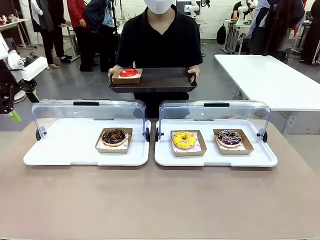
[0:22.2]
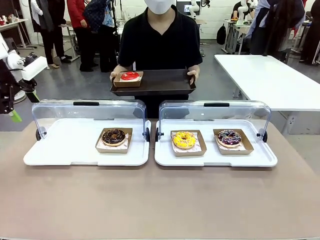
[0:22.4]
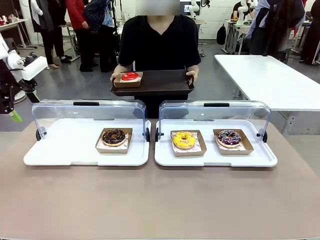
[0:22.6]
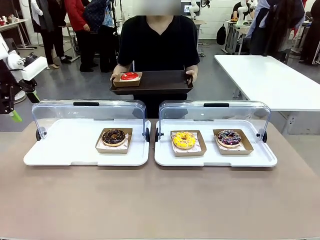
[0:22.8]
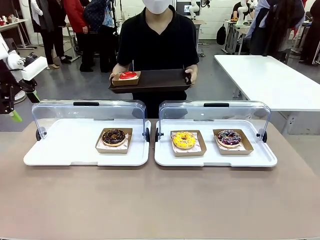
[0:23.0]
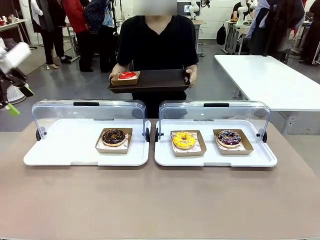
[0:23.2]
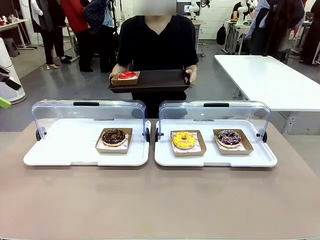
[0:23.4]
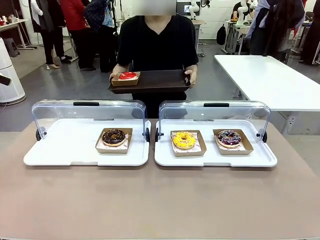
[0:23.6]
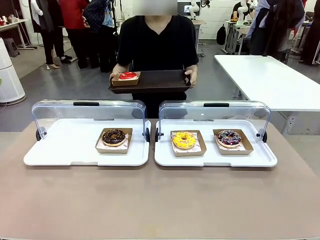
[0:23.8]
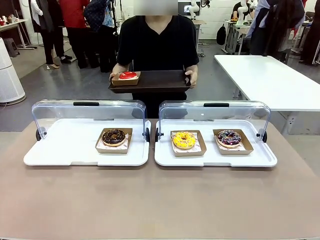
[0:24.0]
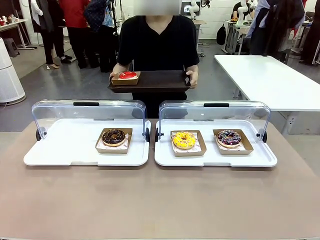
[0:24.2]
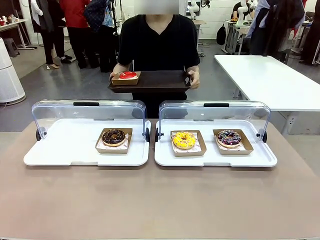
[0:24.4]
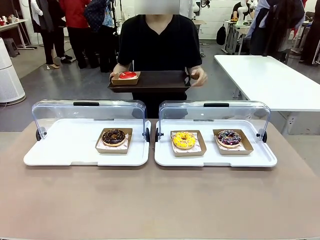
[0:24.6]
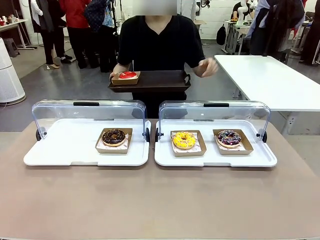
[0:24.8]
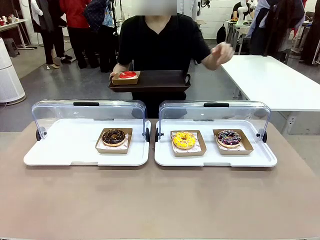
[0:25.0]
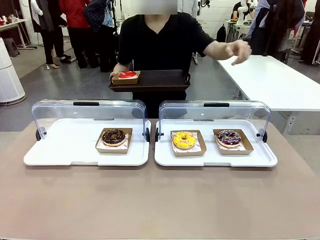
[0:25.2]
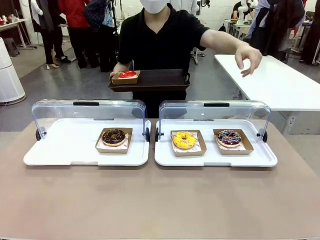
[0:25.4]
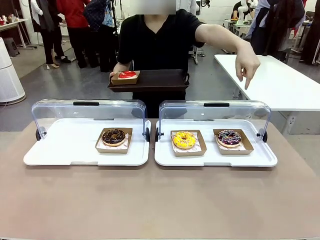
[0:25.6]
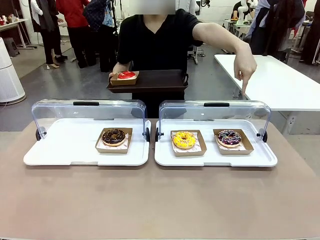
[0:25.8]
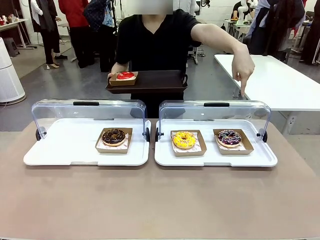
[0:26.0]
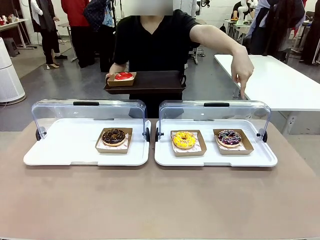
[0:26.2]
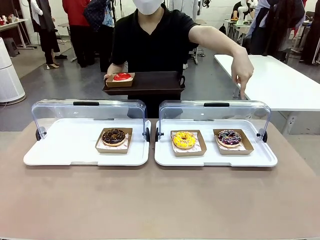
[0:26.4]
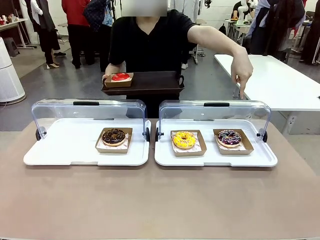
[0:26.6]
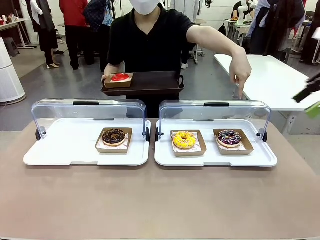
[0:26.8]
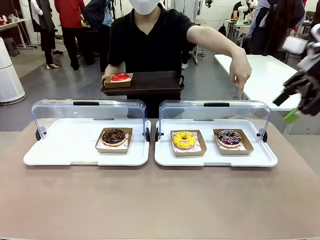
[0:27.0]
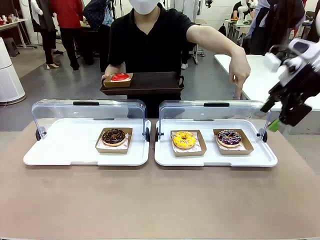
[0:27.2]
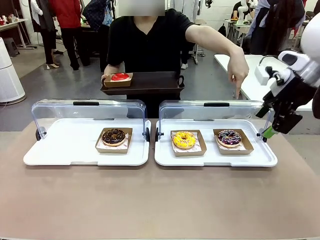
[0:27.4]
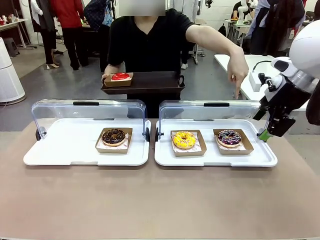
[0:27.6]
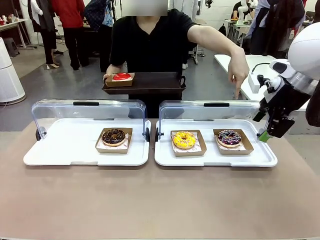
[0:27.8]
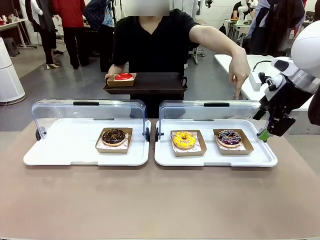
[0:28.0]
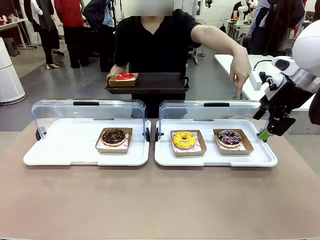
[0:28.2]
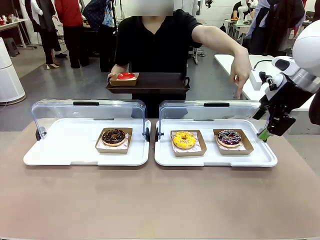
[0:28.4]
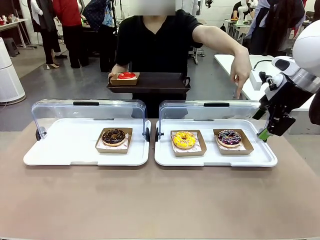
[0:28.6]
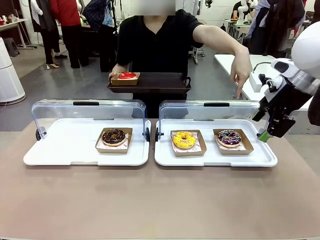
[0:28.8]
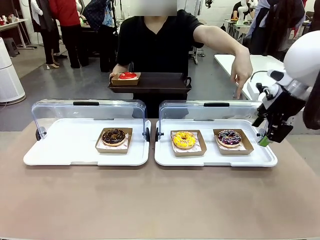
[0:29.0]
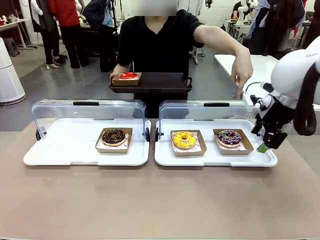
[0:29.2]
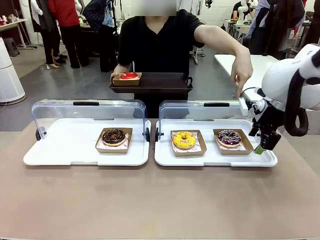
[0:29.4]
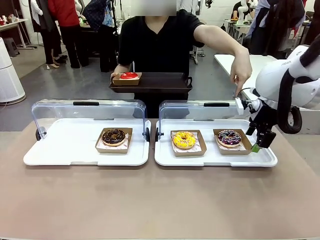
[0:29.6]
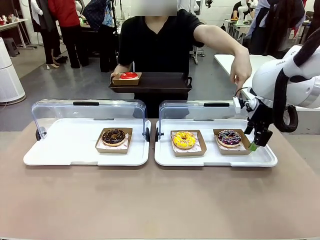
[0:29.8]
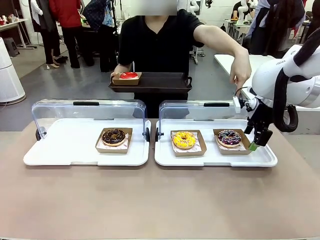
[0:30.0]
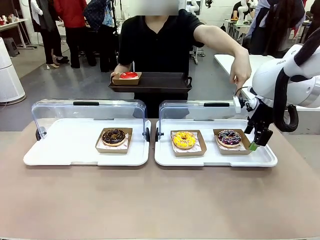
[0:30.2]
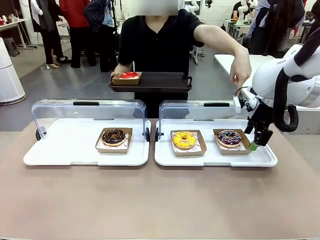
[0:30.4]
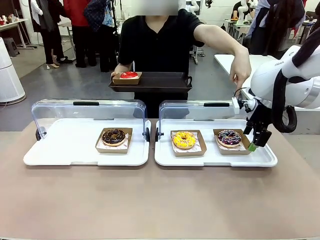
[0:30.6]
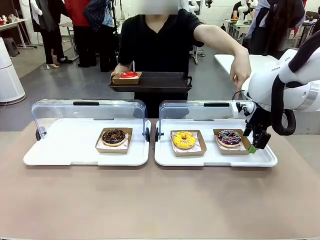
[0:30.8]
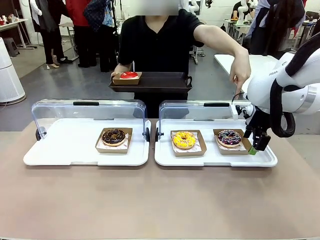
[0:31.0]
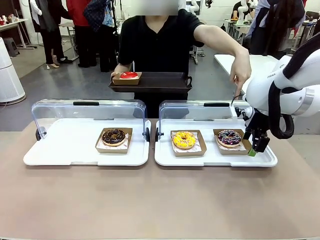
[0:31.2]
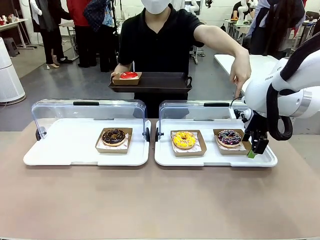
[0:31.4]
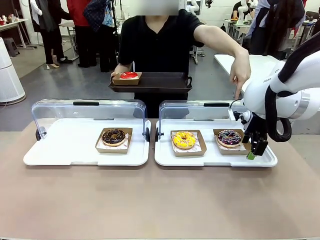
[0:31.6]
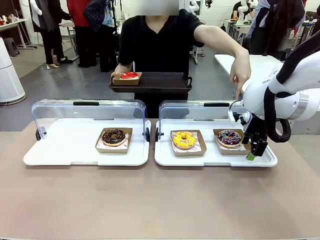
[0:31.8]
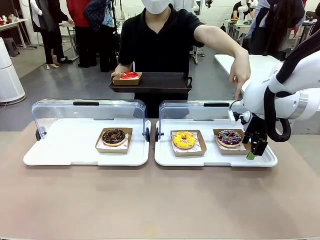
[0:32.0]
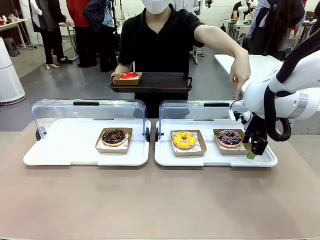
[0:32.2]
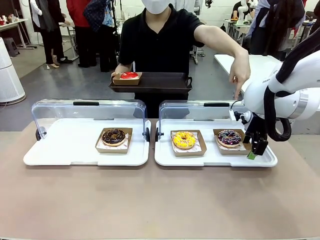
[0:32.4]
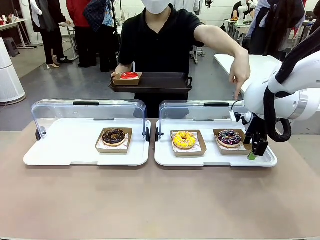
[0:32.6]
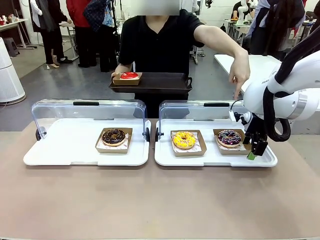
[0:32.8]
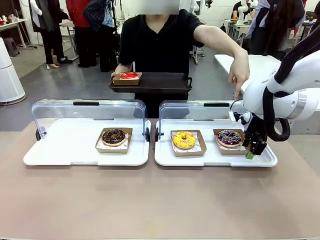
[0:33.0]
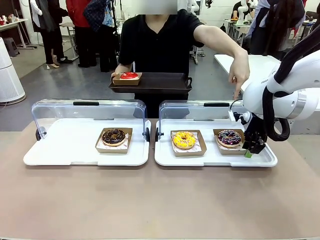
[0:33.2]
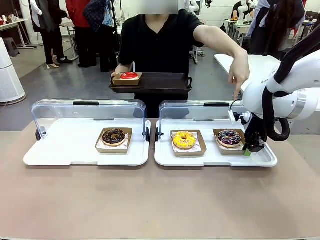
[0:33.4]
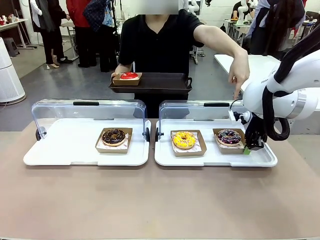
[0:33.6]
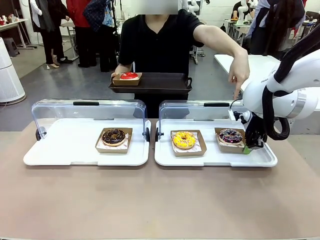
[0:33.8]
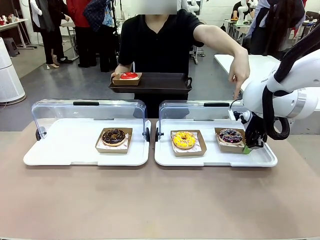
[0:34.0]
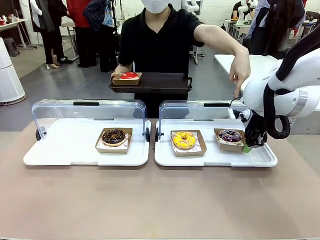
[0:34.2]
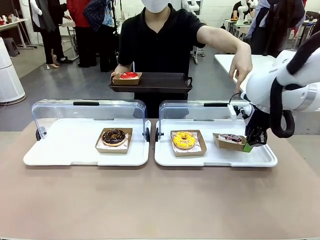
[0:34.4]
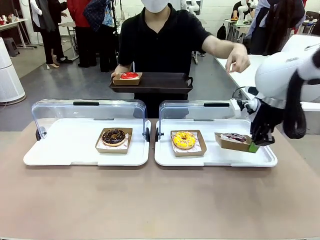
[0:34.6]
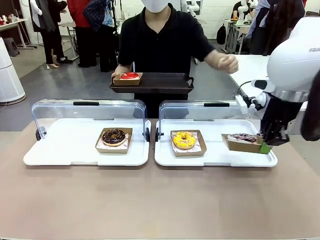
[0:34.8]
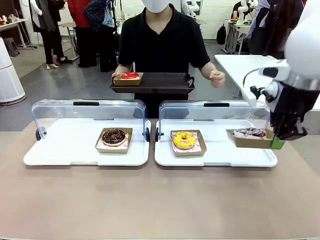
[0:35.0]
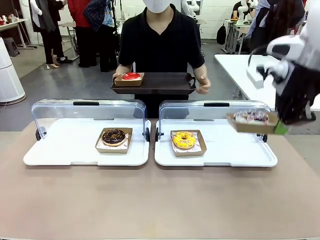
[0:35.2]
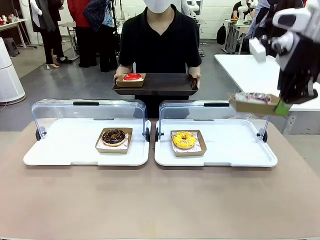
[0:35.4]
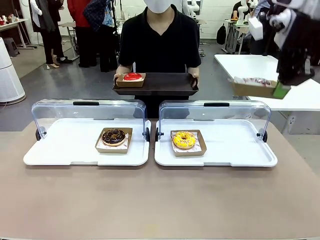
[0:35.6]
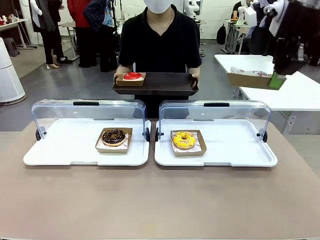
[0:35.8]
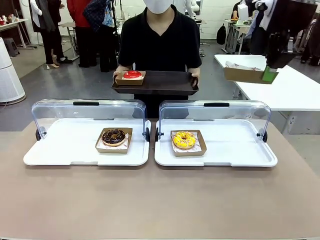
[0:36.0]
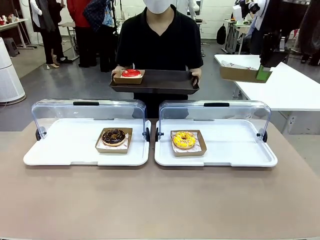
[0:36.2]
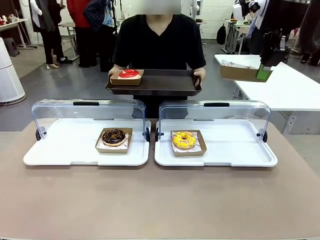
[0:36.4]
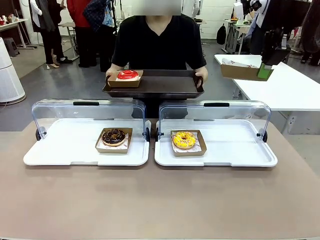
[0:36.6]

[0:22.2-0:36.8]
Task: Provide the desired donut to the person.
Robot: Pick up and lift the Paper togo box containing the Donut pointed at by the person.
Person: Point to one donut. Lift the tray onto the Roll-Top Bakery Case.
